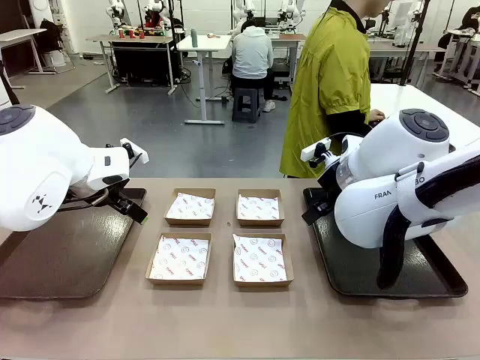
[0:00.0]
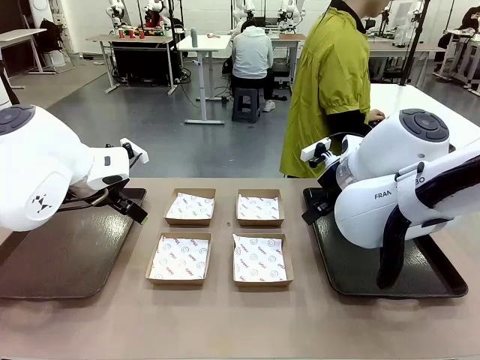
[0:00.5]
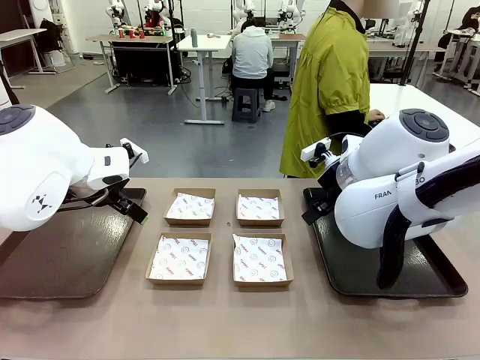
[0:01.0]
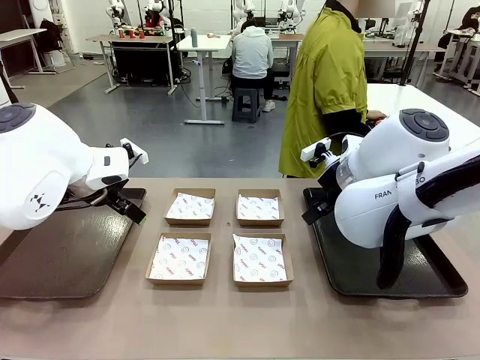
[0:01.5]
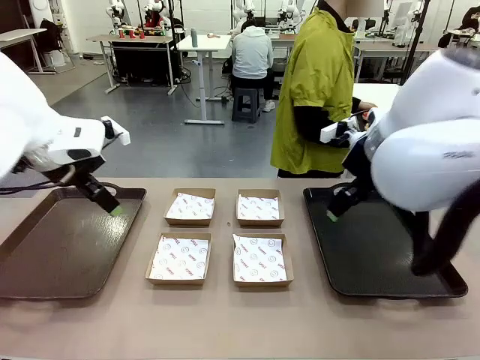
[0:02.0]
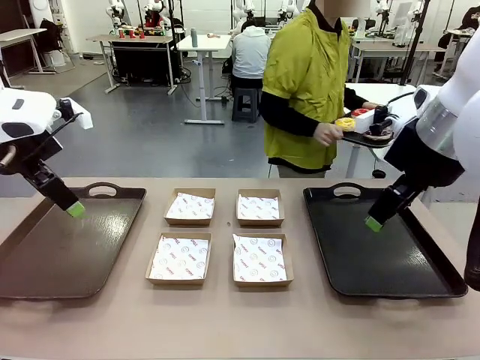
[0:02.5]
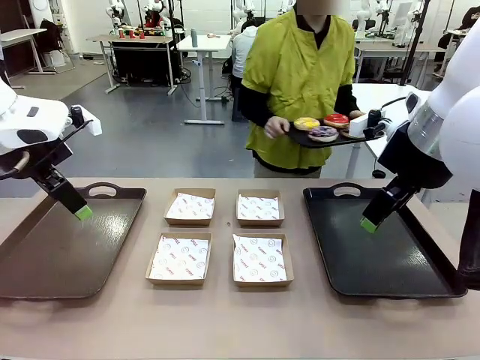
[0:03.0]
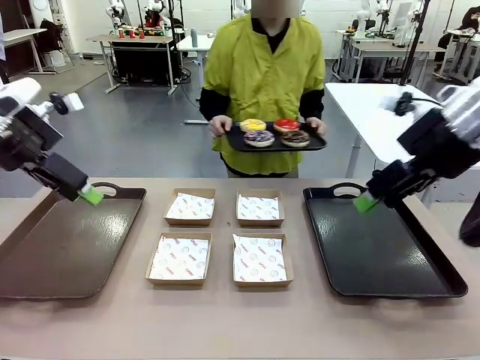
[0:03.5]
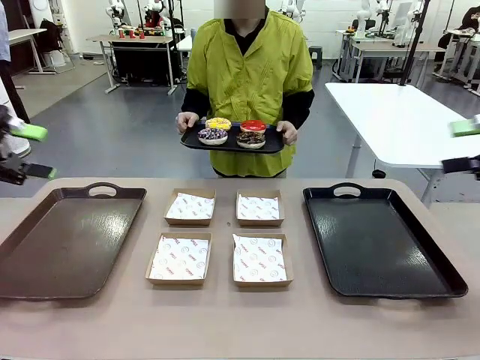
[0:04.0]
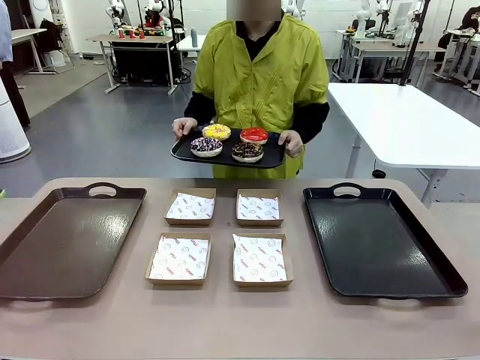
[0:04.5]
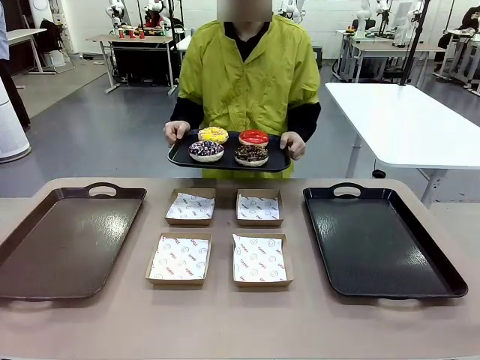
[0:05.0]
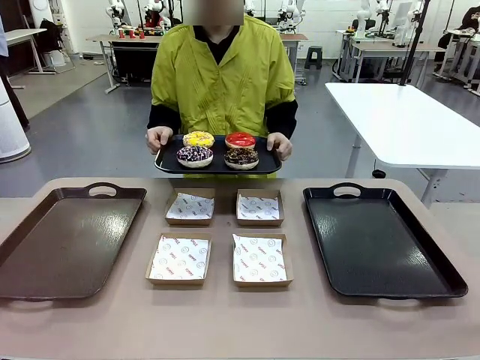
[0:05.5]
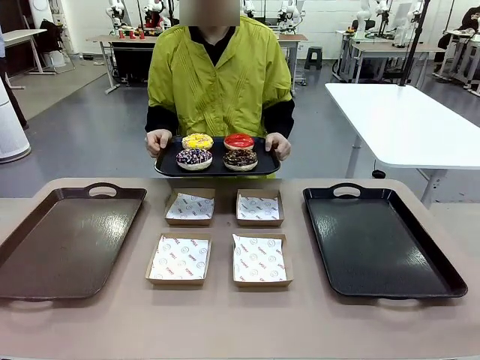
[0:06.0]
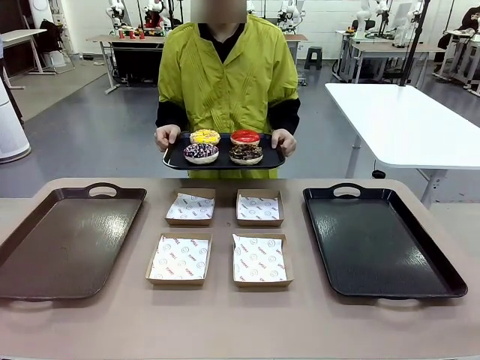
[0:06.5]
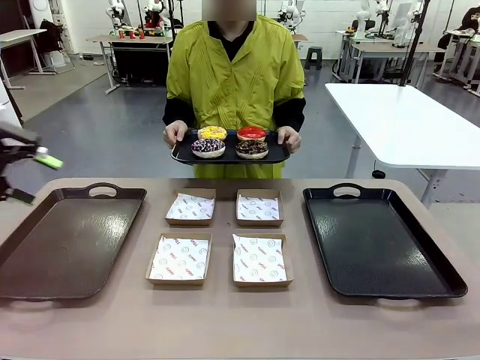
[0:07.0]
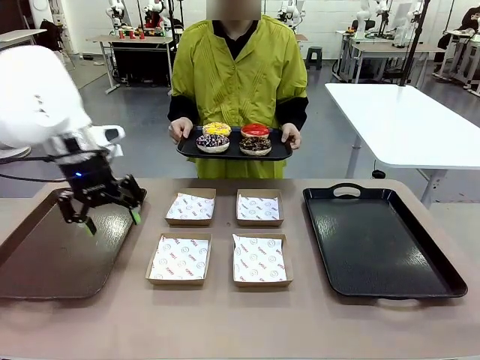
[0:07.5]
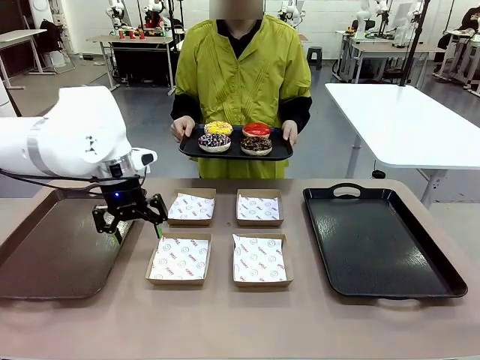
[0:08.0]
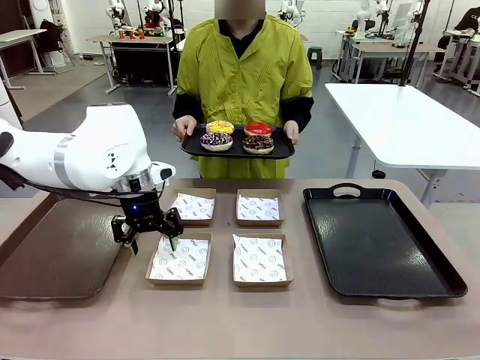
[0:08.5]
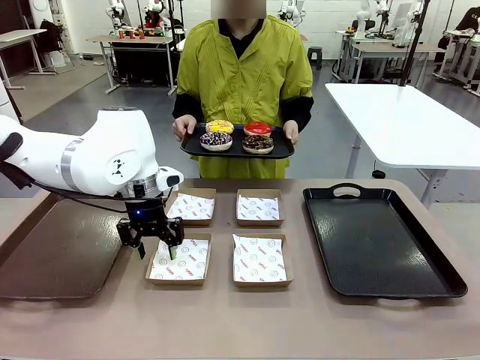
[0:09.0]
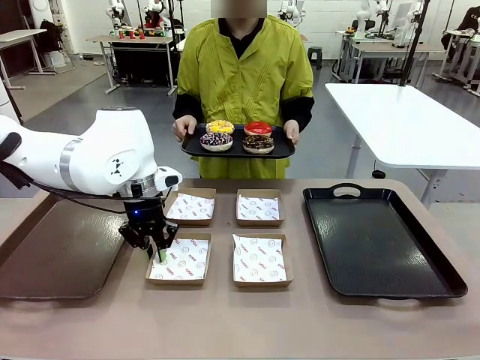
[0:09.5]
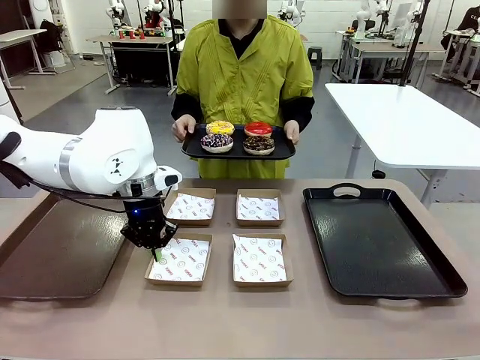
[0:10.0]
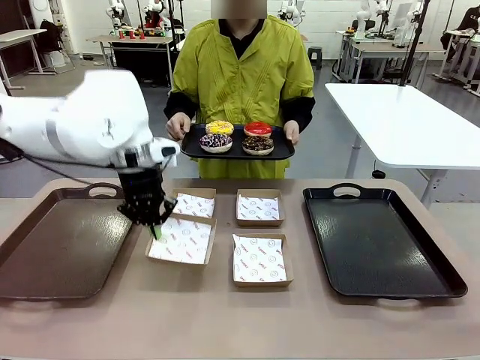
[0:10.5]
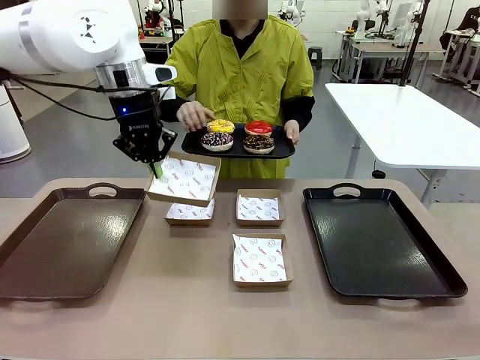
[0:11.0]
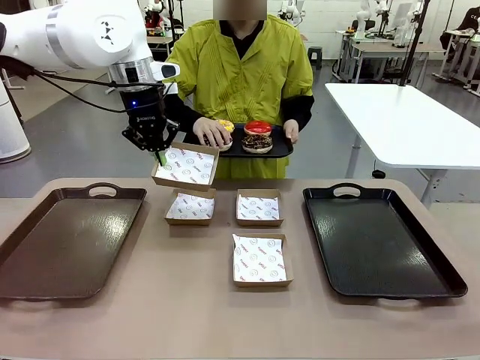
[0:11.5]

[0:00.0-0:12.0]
Task: Individually package the donuts and arrange them on the tray.
Robot: Pick up one Paper togo box.
Person: Stand in front of the robot table holding the tray containing the donuts.

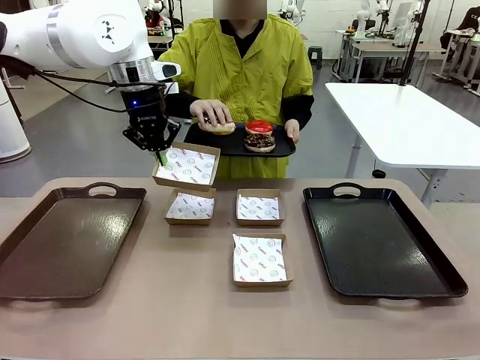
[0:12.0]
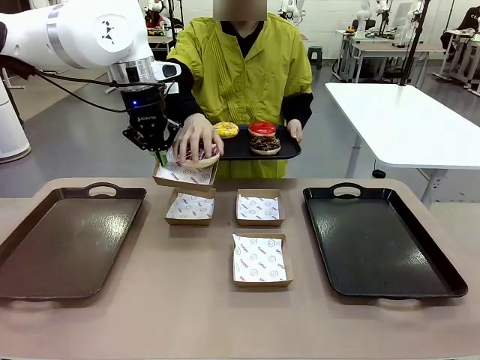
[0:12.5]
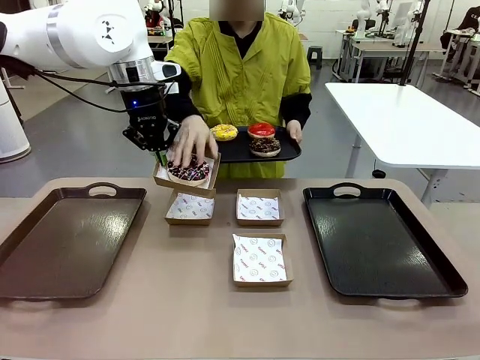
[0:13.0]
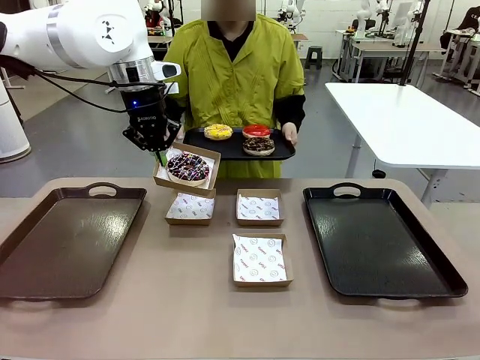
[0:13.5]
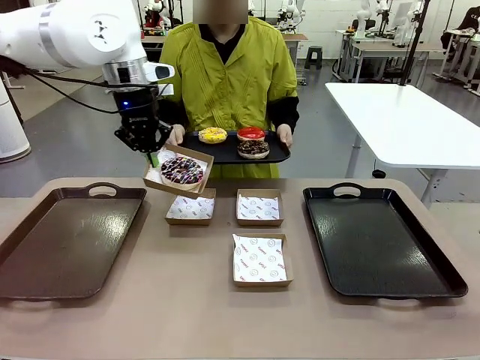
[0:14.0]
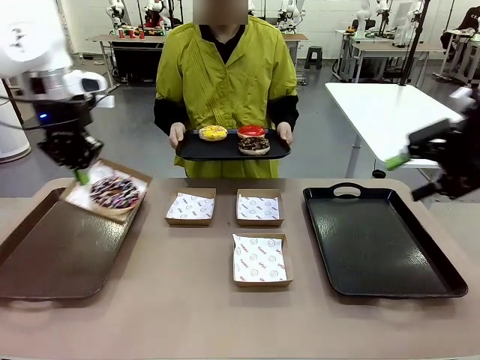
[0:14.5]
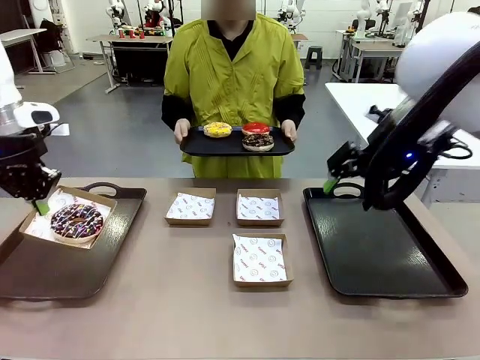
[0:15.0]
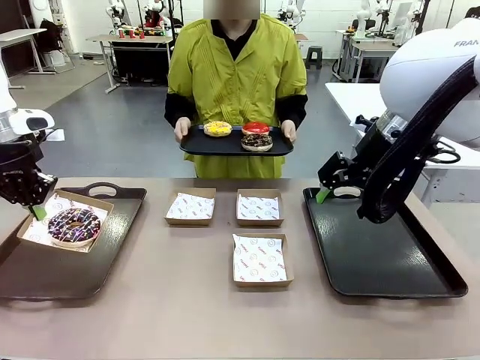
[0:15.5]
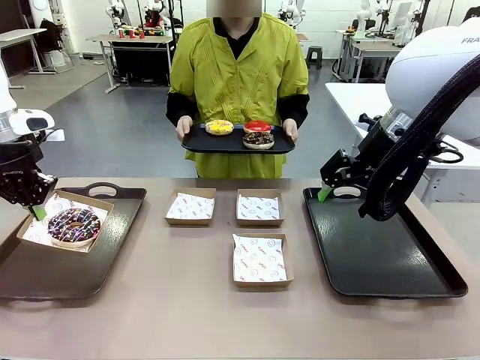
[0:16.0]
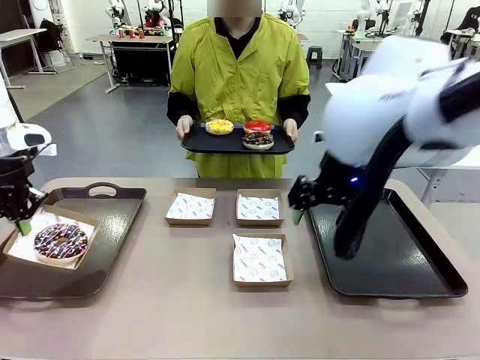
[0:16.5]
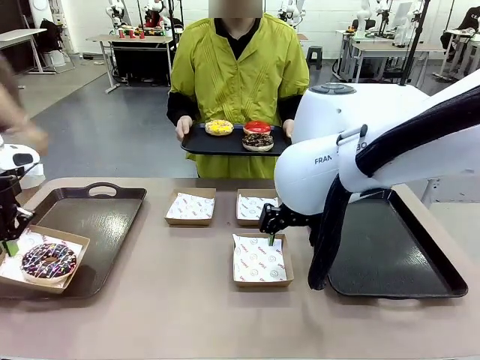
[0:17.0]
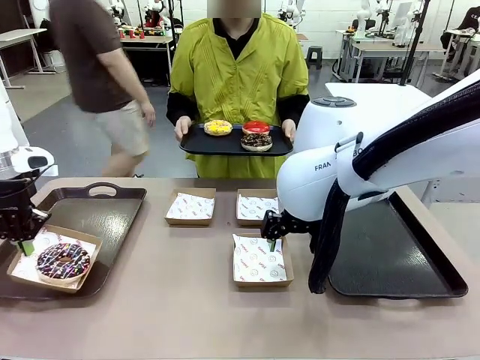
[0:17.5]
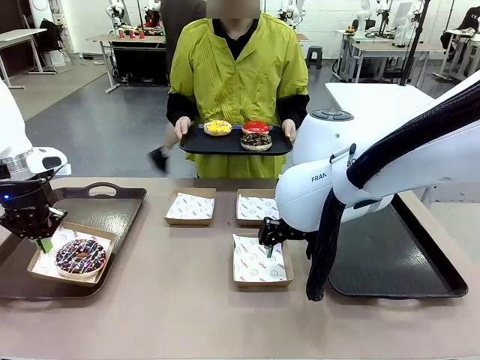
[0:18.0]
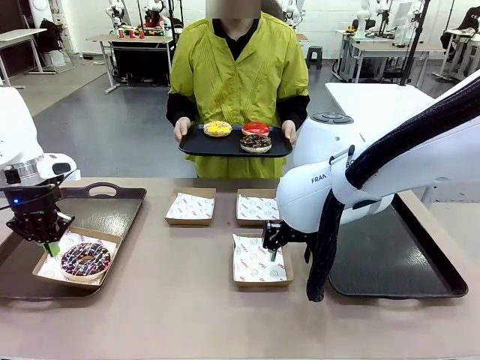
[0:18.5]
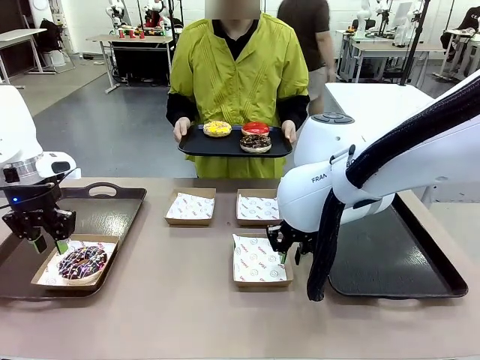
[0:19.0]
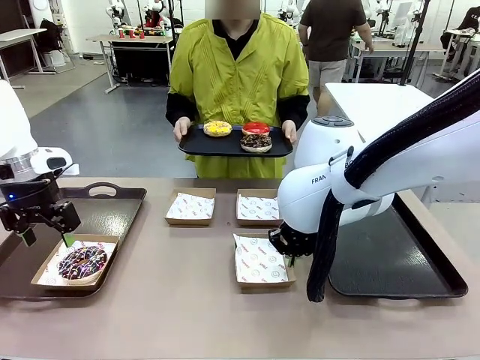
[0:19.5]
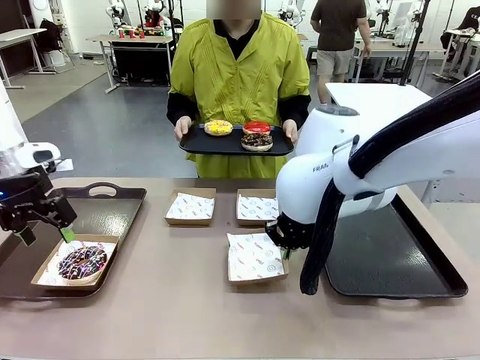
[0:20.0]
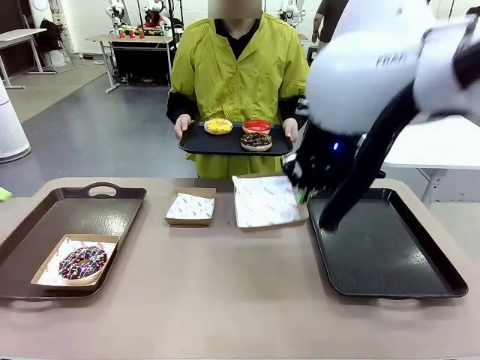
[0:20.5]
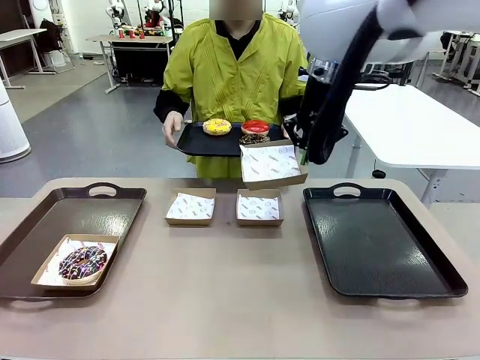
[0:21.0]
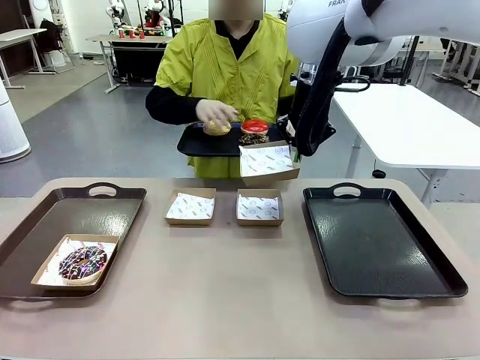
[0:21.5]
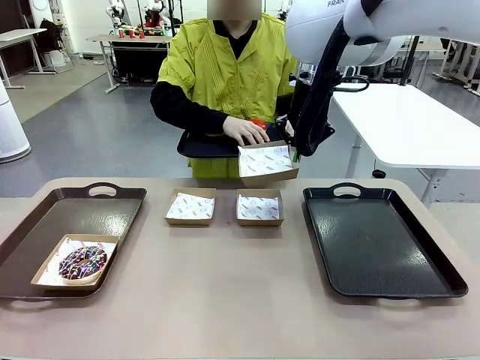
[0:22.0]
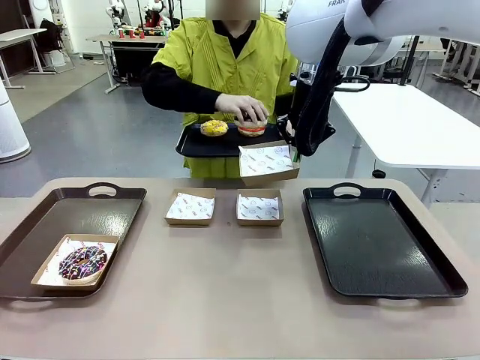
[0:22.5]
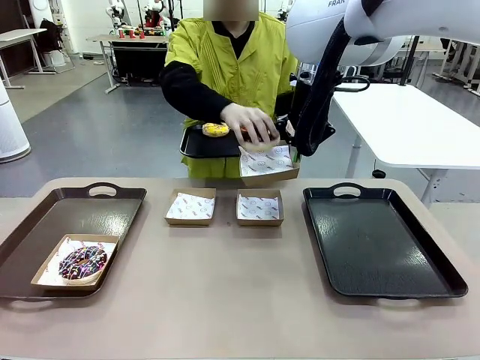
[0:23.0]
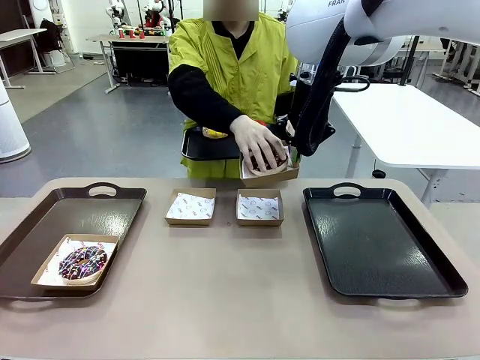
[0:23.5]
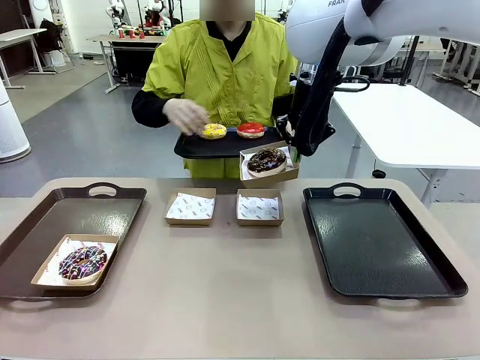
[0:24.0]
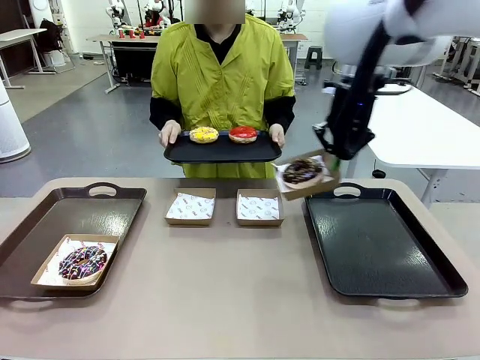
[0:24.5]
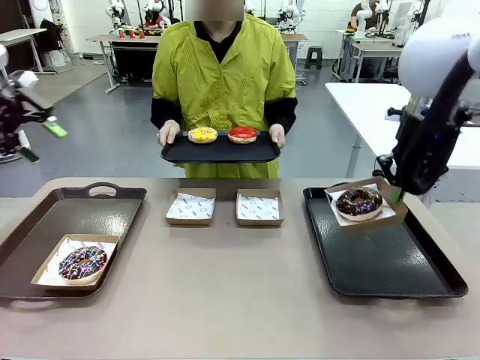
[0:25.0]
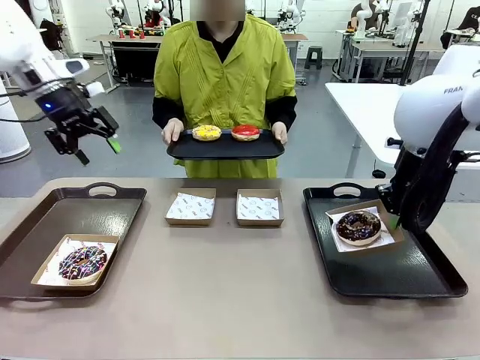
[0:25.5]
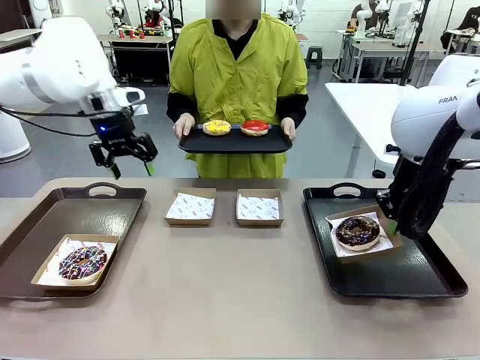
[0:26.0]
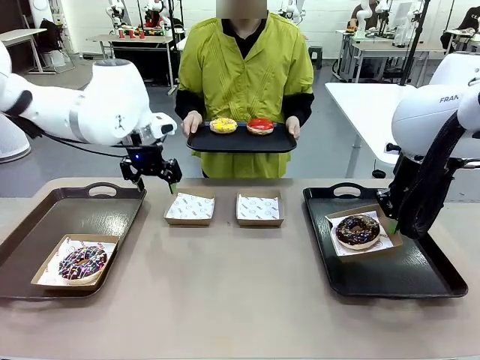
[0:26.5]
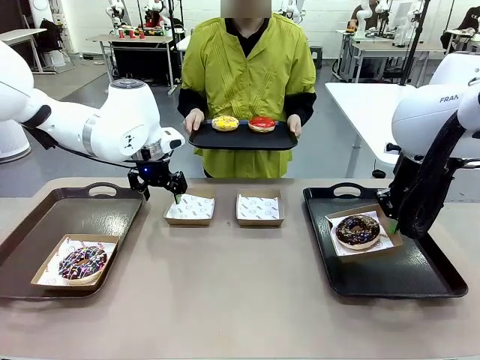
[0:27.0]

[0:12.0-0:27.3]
Robot: Place the picked Paper togo box on the Handle tray while simultaneously picking up another Paper togo box from the table with the other hand.
